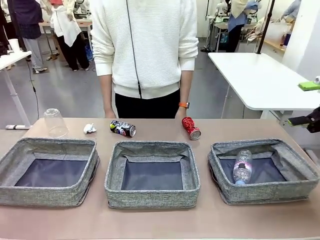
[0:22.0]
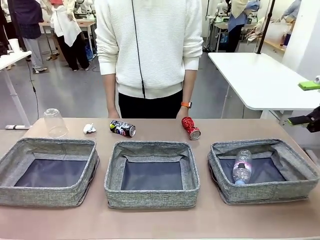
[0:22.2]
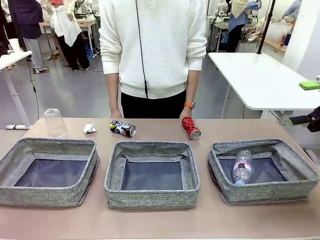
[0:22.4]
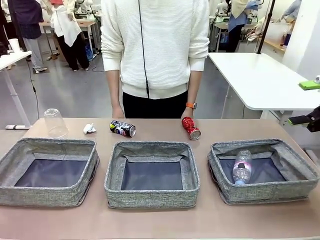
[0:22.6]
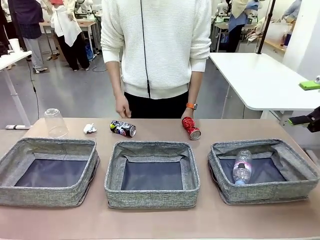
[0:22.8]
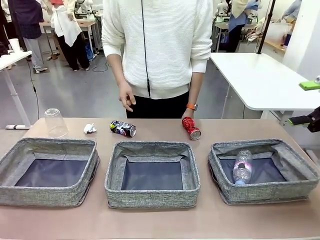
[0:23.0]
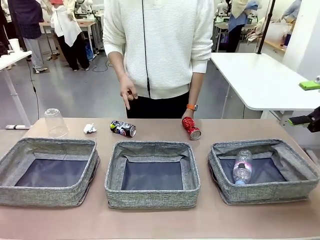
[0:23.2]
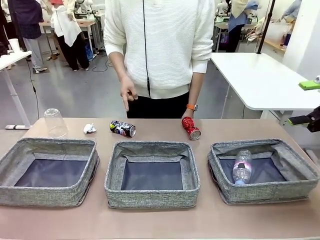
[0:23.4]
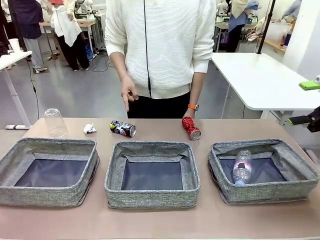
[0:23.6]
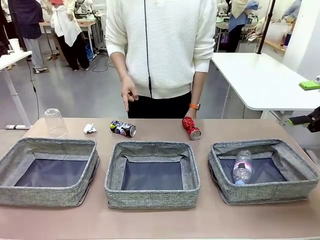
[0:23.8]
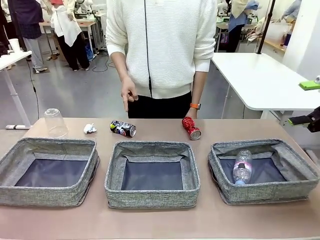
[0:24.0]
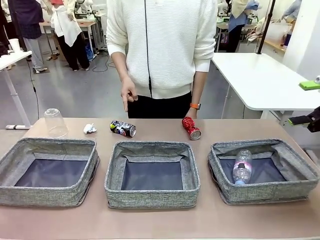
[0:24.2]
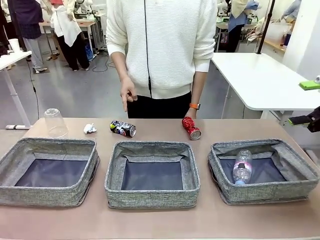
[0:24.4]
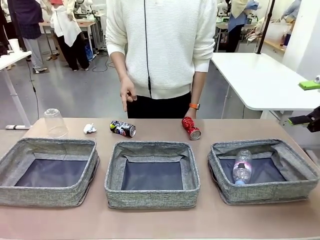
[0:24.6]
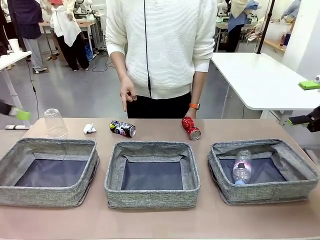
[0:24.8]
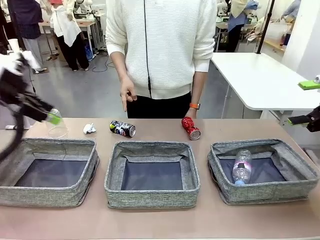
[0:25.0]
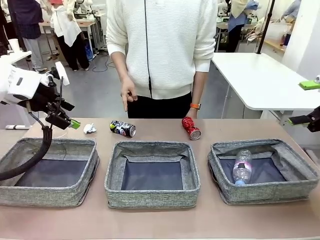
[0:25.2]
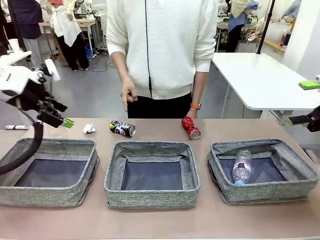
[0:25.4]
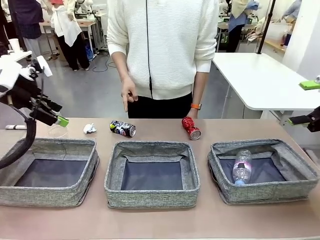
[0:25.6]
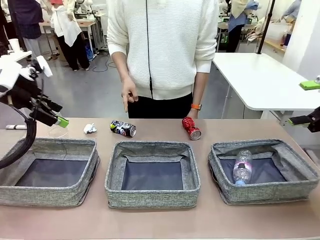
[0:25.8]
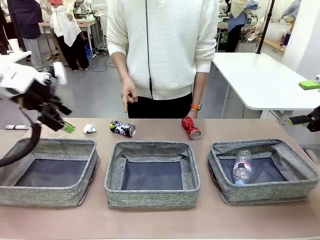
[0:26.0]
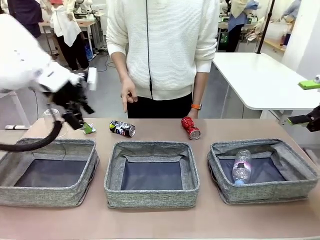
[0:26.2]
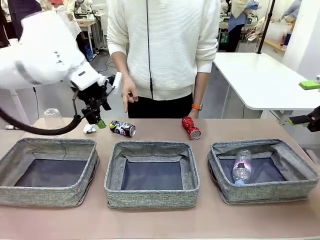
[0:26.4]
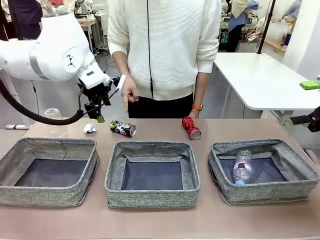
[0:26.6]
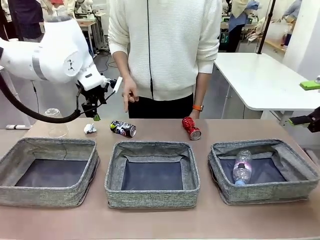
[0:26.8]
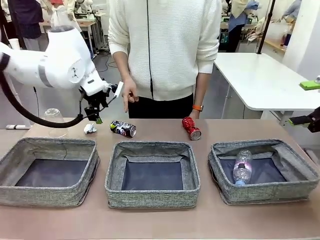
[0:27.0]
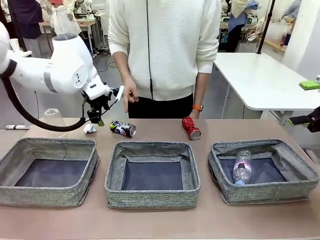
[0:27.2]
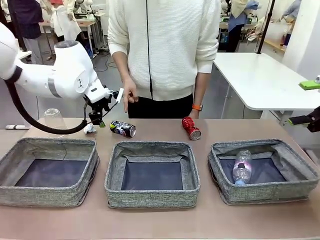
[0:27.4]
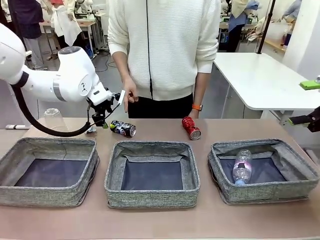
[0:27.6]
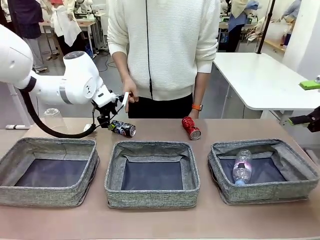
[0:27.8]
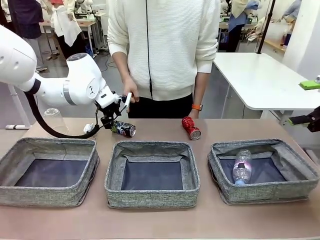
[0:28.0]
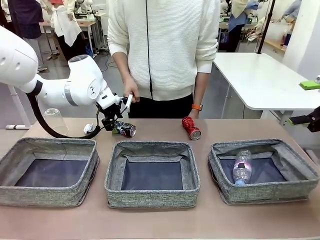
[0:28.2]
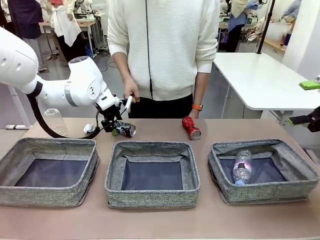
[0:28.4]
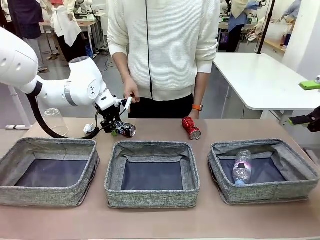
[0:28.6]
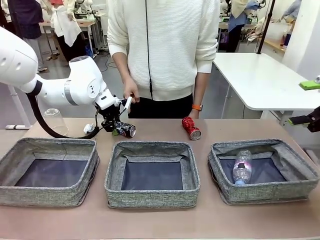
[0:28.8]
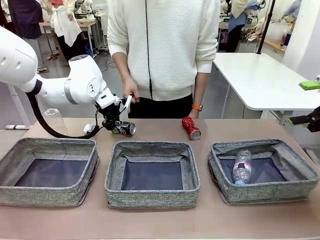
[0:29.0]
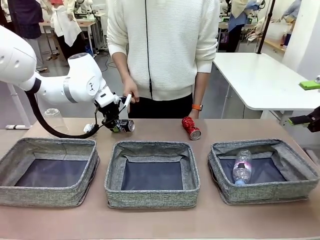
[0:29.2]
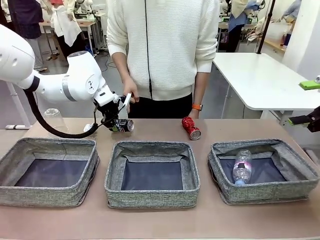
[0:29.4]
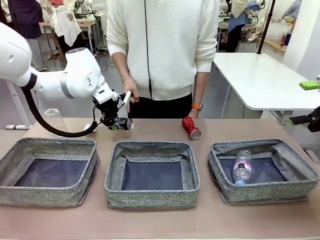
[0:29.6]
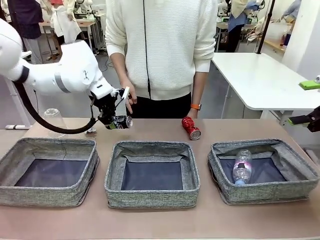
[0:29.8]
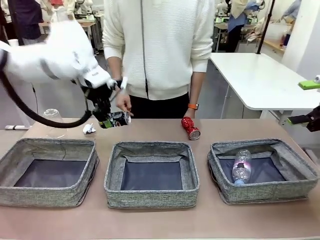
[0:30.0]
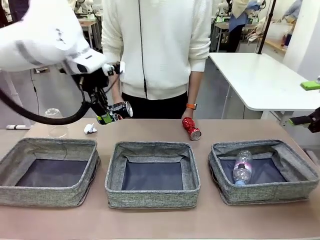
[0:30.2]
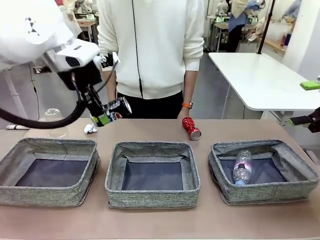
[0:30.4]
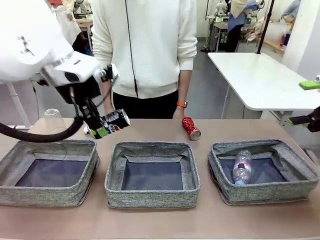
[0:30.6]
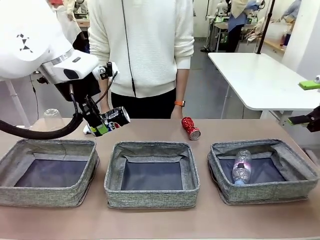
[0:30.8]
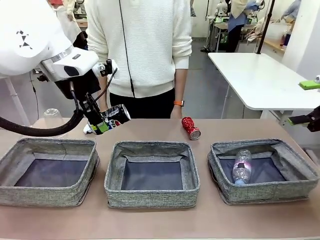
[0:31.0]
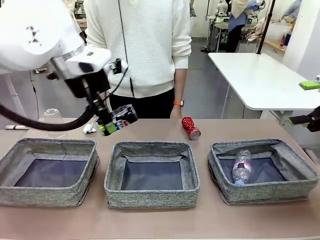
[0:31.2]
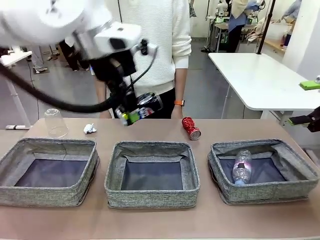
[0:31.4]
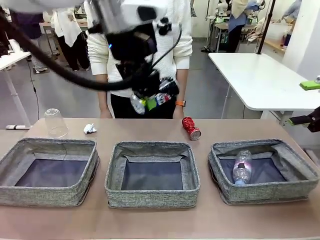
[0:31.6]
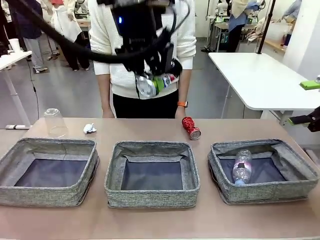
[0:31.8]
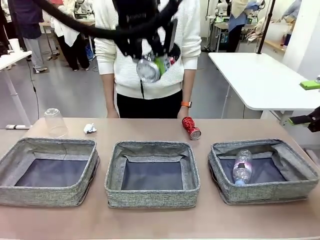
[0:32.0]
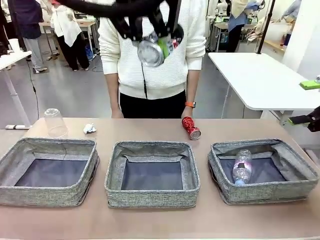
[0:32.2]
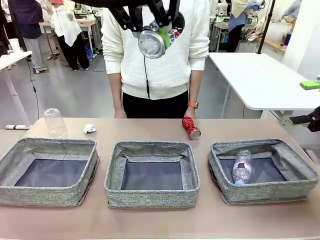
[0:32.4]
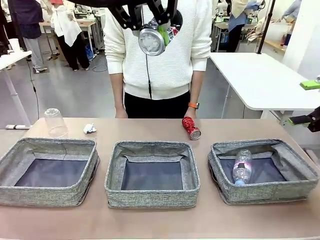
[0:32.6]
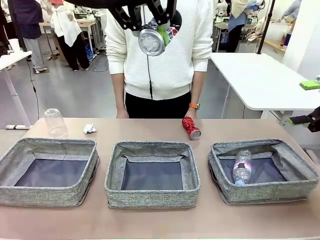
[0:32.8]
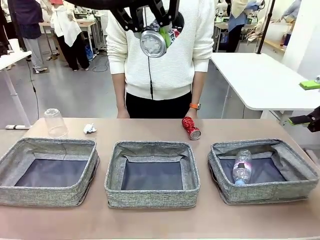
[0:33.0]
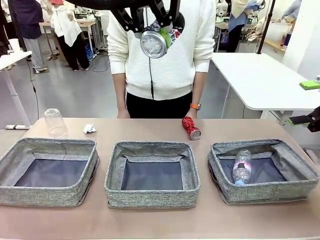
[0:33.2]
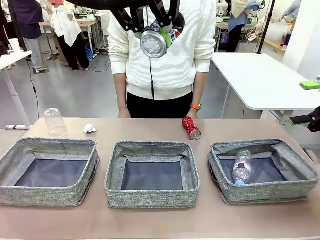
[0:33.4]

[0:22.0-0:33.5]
Task: Sort the waste into the appropriate baskets.
Robot: Pick up the waste item pointed out by the person.
Person: Points to one piece of trash on the table.

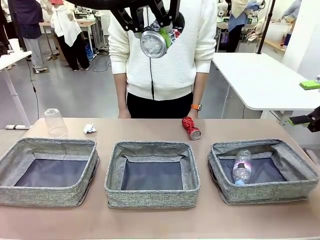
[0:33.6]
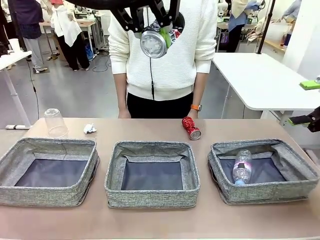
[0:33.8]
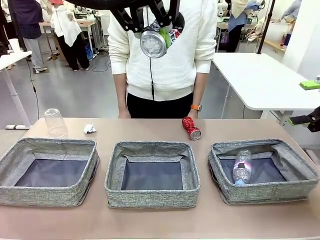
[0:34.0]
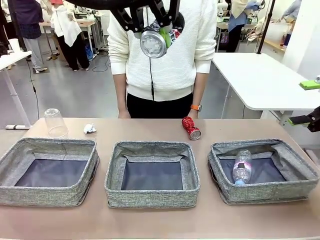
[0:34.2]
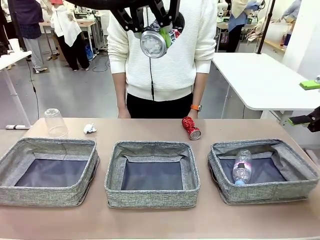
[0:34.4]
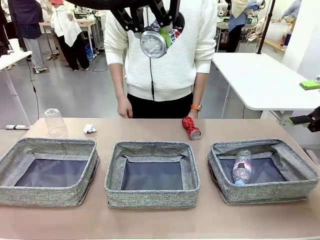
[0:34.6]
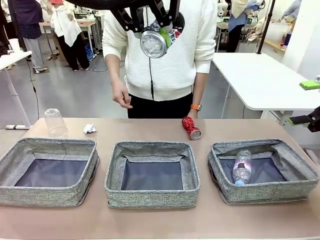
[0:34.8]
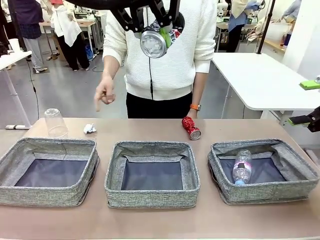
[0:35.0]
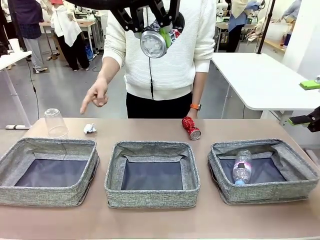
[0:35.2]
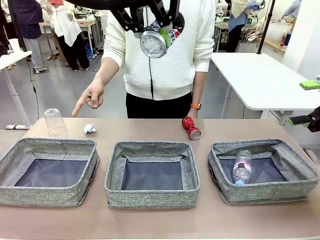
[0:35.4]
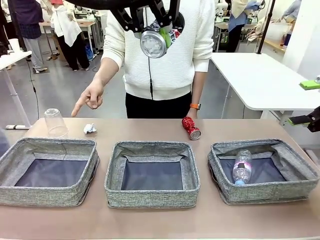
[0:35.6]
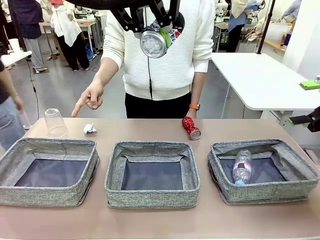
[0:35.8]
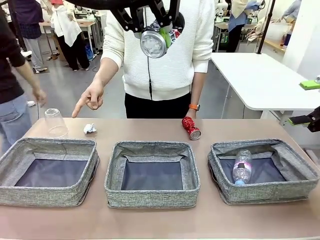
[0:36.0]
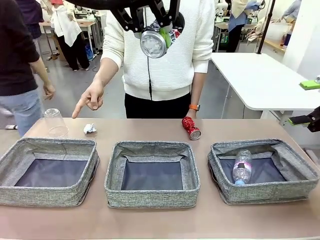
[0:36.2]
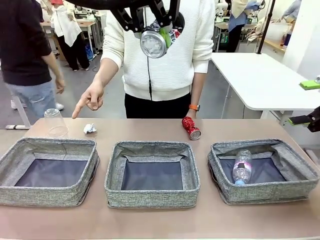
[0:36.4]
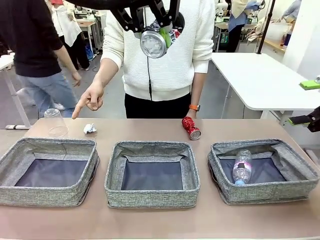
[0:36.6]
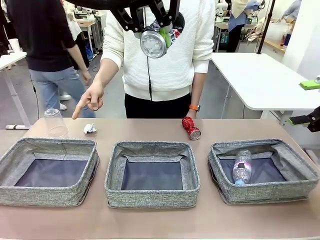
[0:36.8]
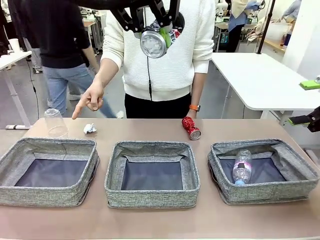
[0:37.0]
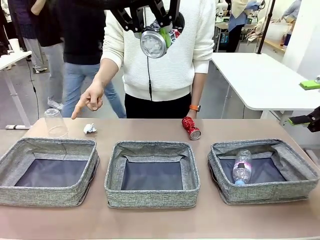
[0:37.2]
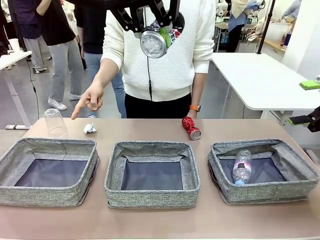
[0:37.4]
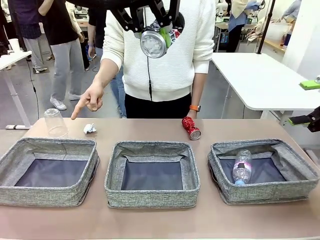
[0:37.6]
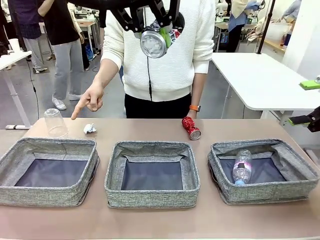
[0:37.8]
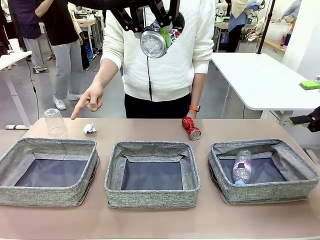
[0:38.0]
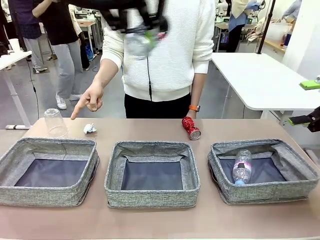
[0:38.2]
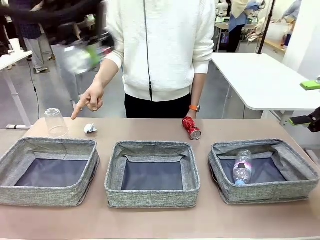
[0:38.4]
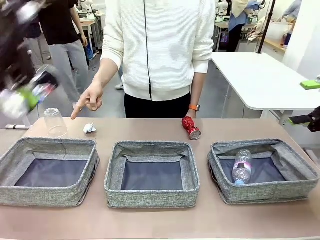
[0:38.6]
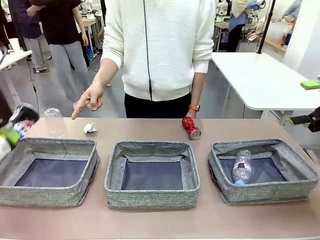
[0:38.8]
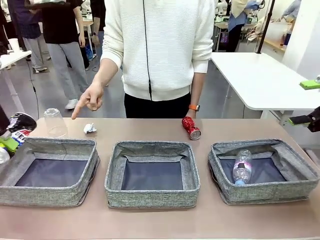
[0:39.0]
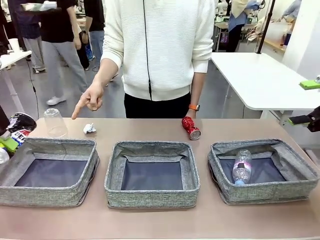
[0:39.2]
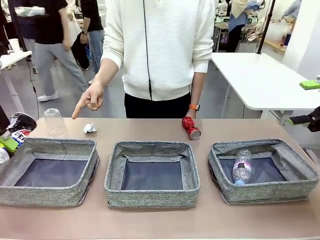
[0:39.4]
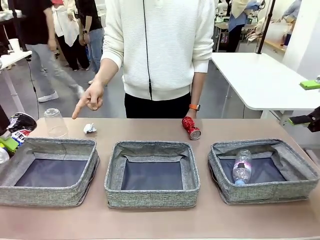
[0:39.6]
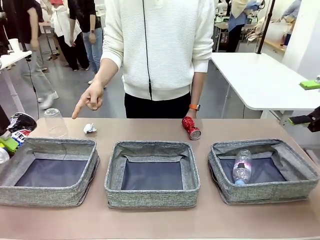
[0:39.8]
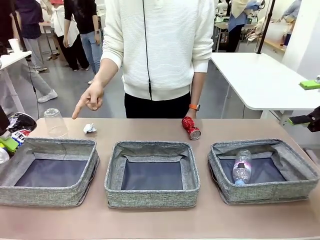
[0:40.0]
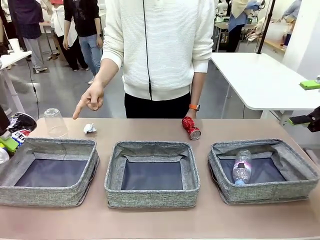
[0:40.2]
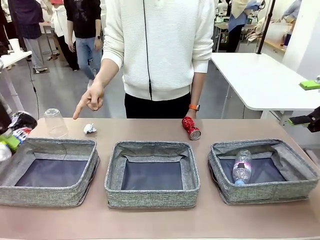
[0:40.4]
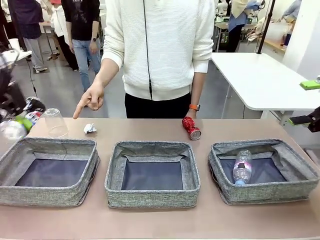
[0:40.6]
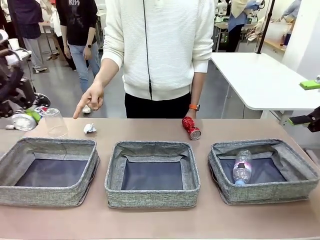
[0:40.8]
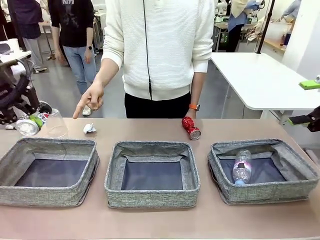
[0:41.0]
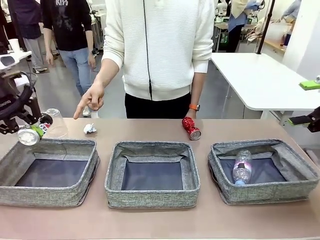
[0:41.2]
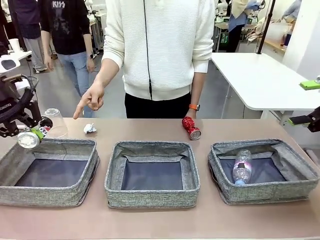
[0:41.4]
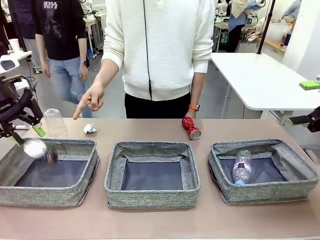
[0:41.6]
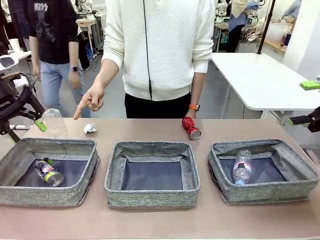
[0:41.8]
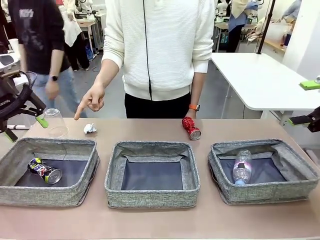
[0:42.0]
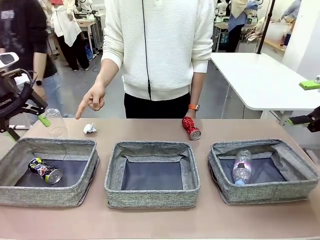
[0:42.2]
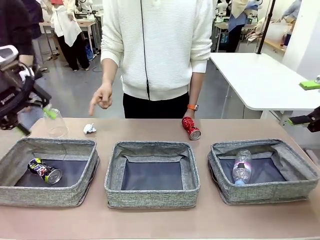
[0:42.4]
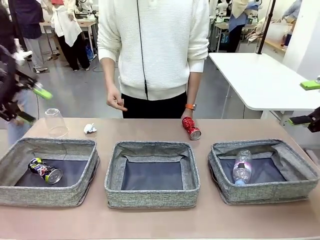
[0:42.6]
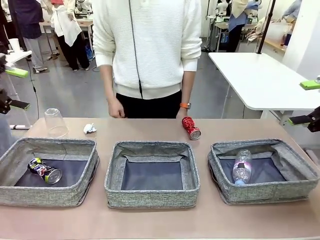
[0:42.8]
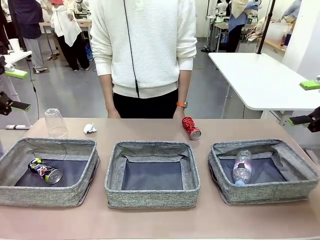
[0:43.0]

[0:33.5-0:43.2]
Robot: Place the picked waste into the Fabric basket indicated by the person.
Person: Instructs the robot to place the picked-up trash into the appropriate organizing basket.
